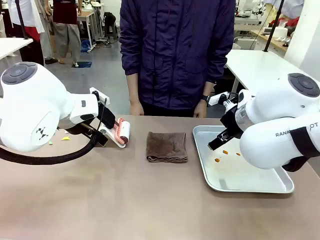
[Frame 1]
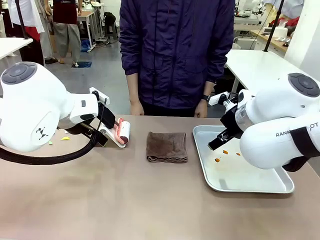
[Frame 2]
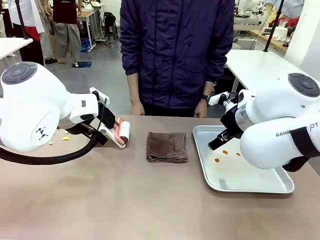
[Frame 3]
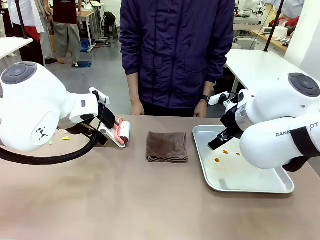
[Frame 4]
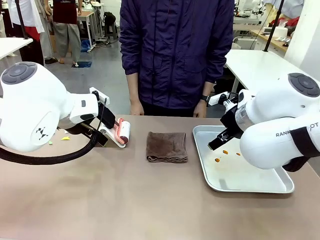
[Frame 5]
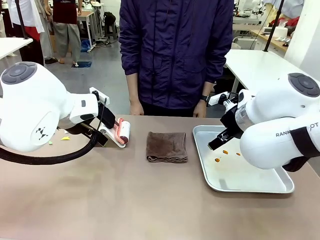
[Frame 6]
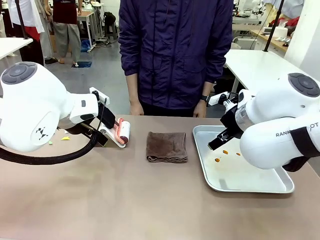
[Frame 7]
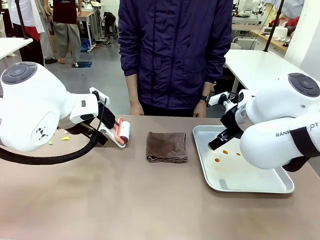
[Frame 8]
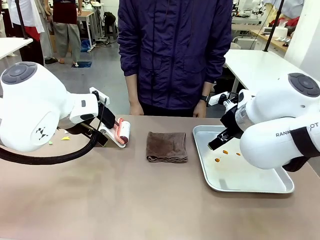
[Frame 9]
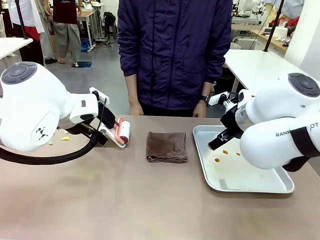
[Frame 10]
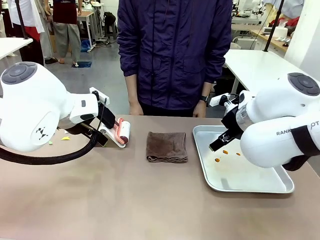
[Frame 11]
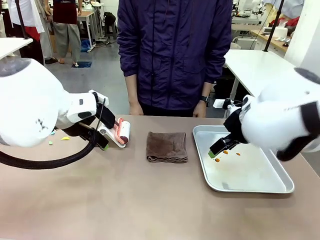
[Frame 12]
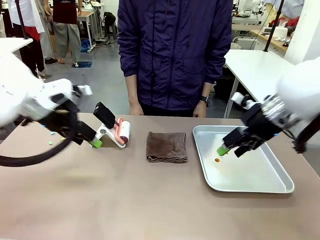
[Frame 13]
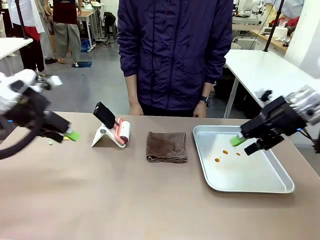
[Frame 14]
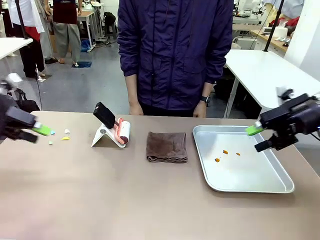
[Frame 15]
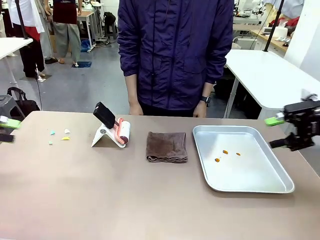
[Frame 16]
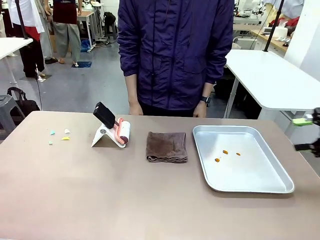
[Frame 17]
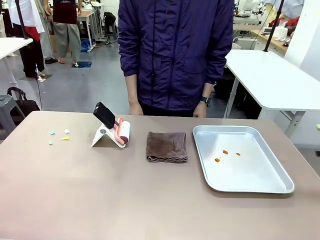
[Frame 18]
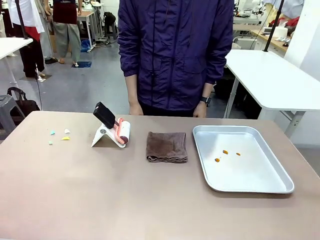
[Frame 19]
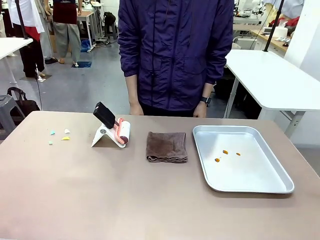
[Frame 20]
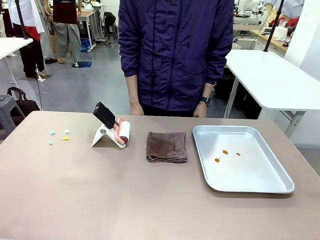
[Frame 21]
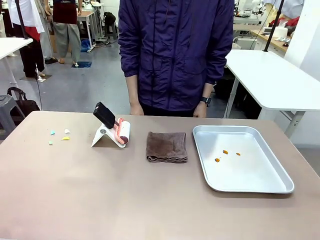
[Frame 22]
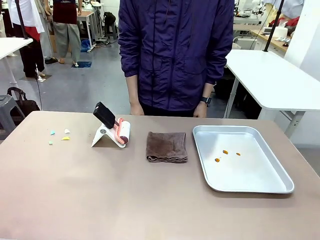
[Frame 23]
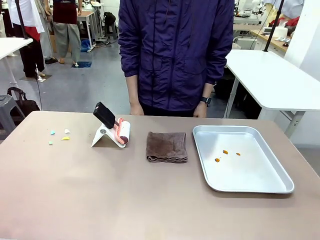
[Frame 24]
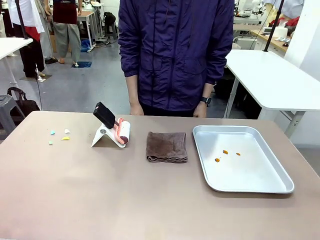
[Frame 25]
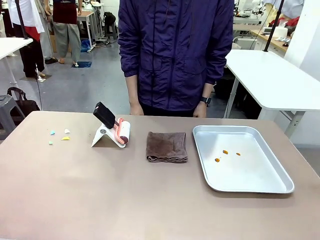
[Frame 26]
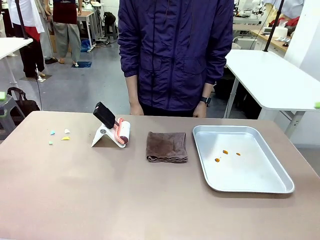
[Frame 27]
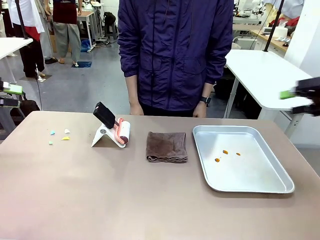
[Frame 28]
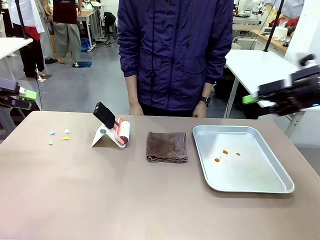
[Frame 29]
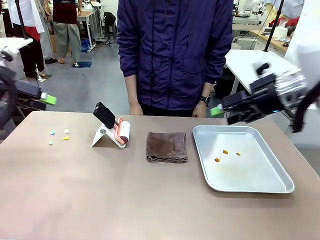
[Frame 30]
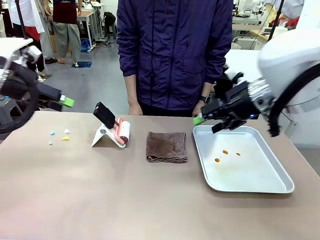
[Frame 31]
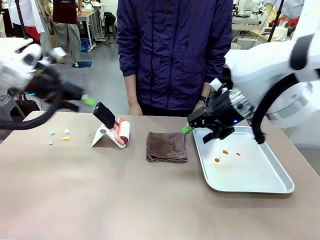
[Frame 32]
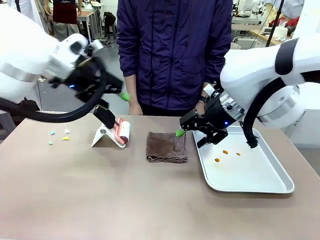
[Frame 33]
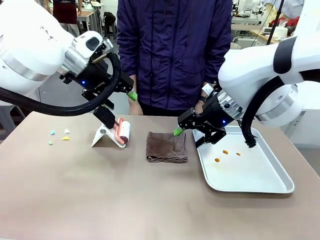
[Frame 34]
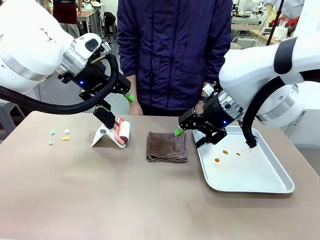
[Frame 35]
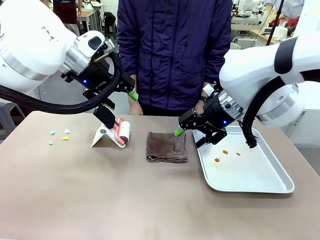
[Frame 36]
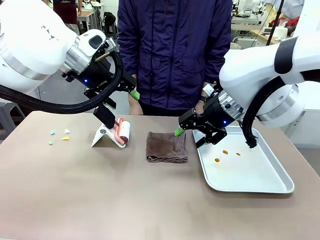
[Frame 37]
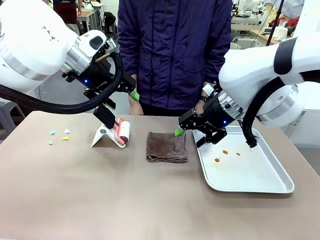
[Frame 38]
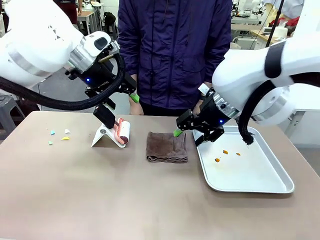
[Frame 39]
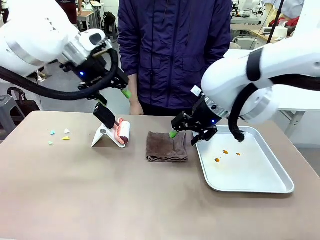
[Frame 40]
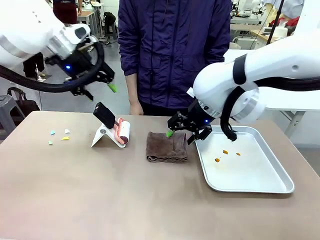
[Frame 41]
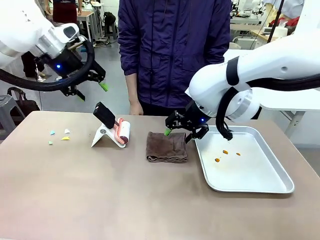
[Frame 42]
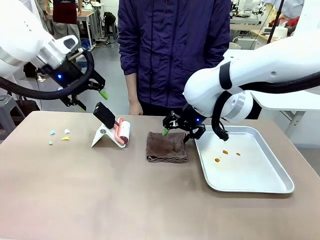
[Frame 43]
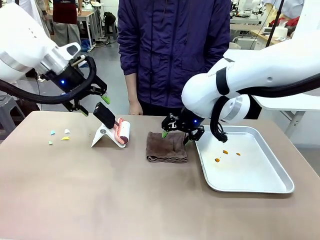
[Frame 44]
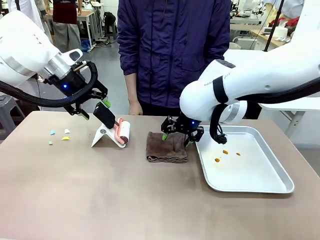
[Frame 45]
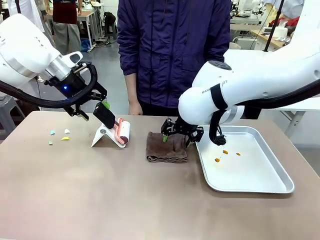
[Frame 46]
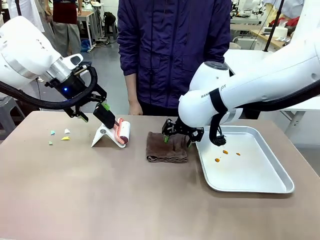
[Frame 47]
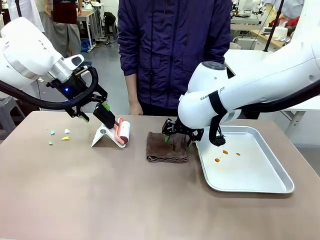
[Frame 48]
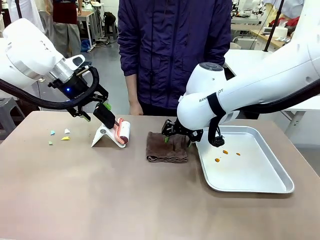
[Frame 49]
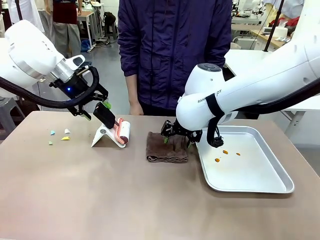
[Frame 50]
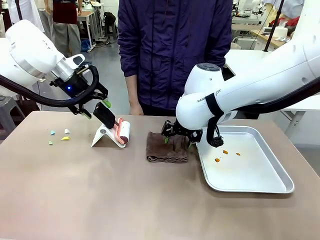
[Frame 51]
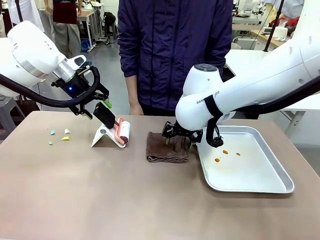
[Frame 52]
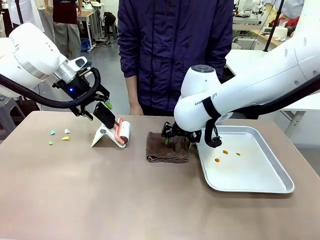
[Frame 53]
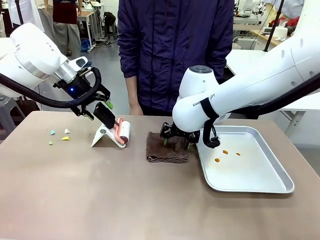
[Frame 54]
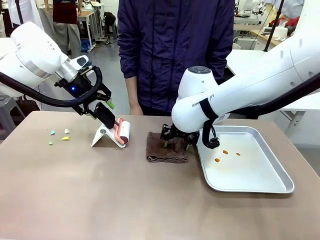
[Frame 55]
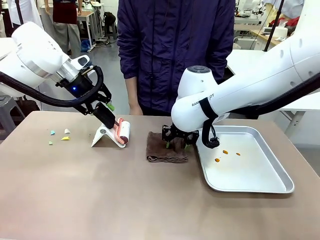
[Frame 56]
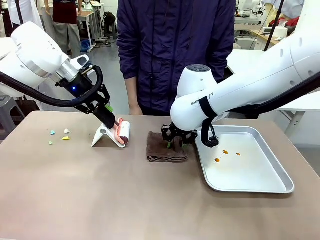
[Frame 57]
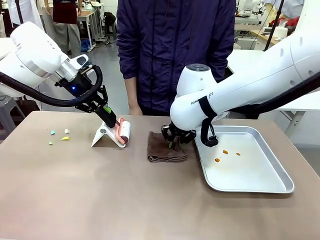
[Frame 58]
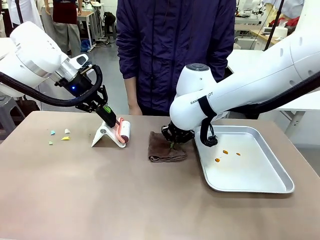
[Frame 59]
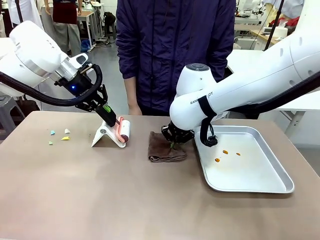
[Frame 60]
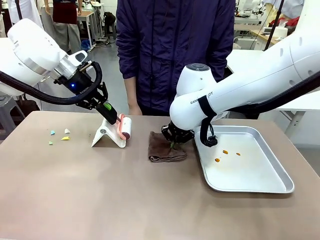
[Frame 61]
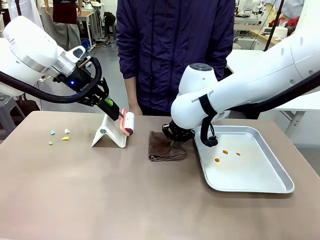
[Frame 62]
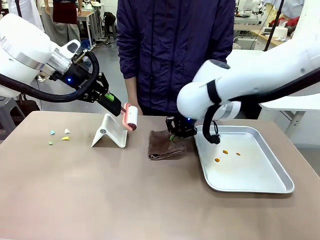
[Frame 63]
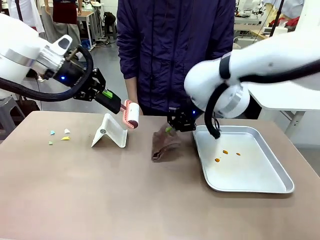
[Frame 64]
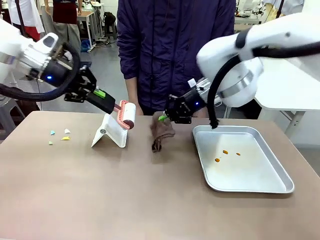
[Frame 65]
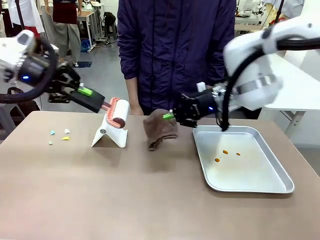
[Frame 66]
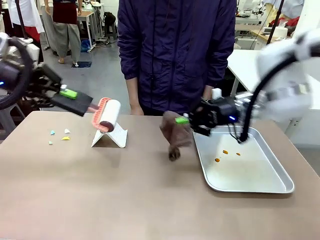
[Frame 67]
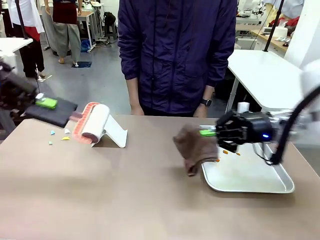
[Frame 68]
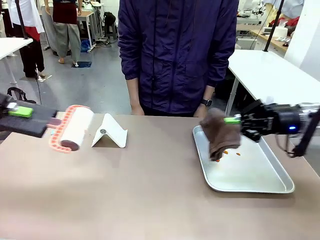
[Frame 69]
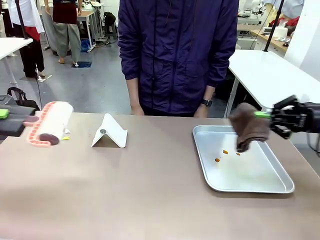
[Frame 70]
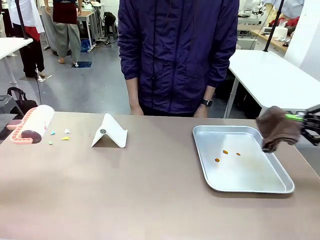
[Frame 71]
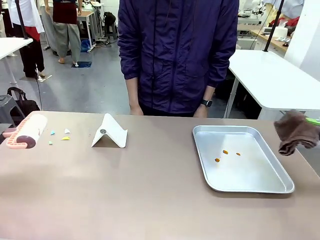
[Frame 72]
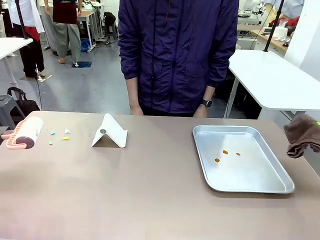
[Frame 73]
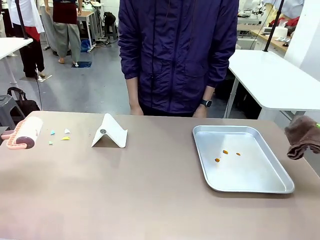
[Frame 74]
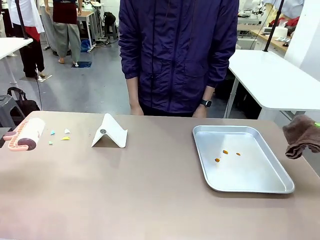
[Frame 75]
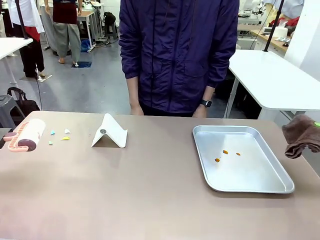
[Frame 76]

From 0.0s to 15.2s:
Task: Clean the surface of the table.
Robot: Hold the Lint Roller with your left hand and the towel with your right hand.

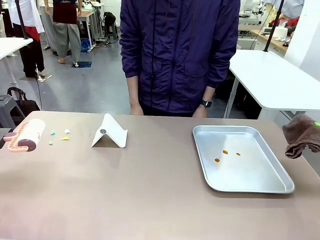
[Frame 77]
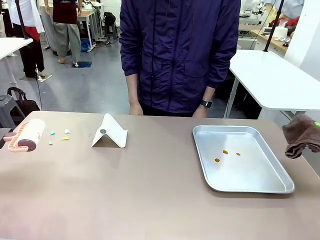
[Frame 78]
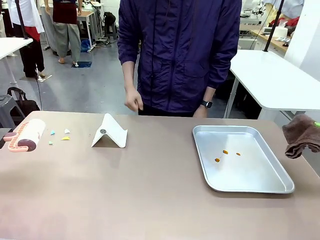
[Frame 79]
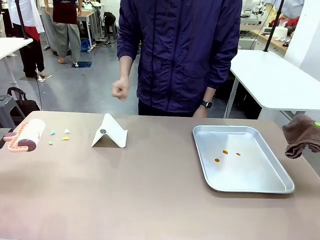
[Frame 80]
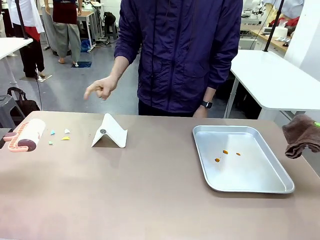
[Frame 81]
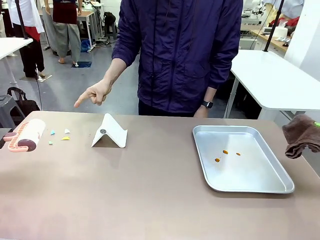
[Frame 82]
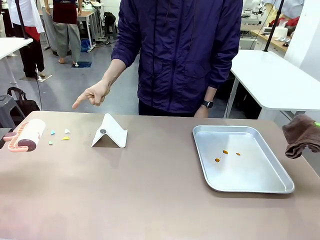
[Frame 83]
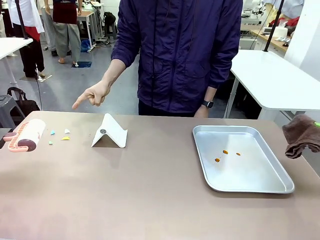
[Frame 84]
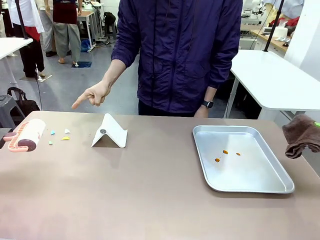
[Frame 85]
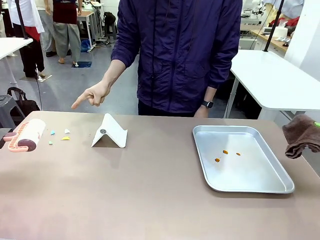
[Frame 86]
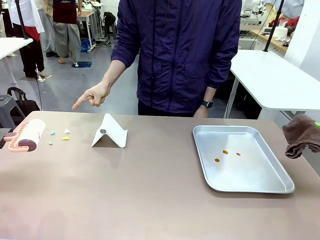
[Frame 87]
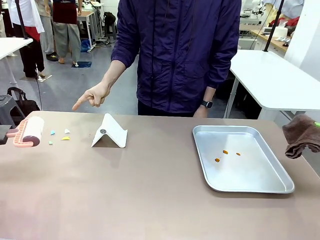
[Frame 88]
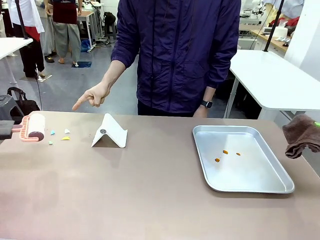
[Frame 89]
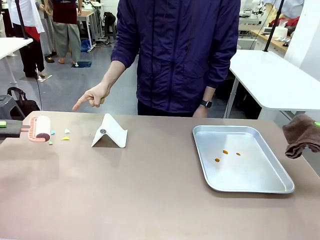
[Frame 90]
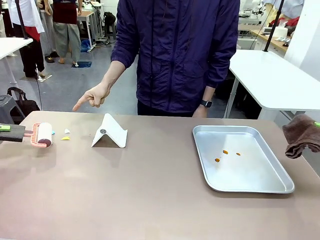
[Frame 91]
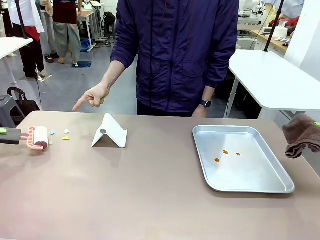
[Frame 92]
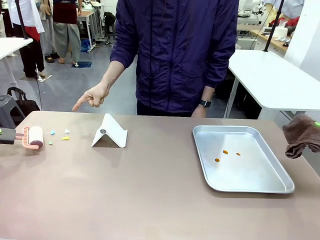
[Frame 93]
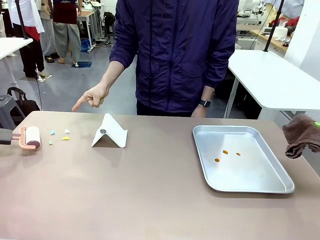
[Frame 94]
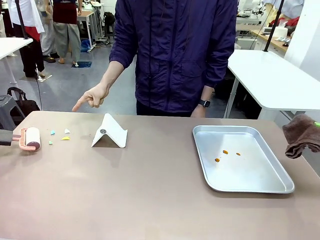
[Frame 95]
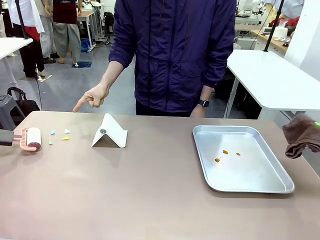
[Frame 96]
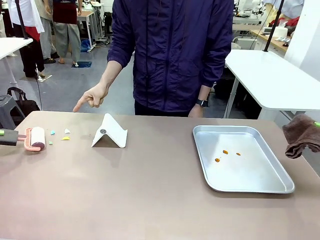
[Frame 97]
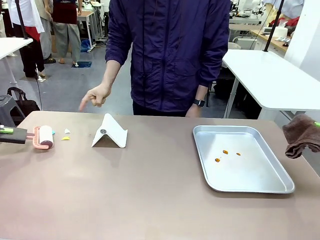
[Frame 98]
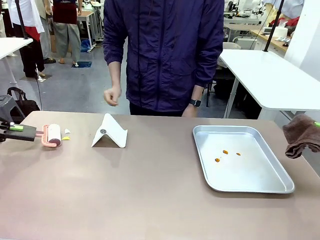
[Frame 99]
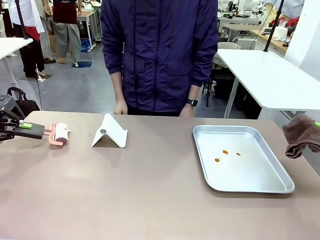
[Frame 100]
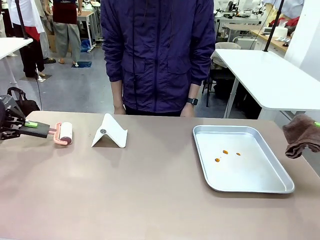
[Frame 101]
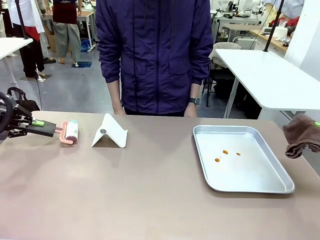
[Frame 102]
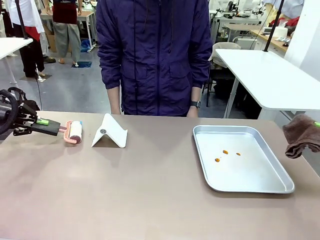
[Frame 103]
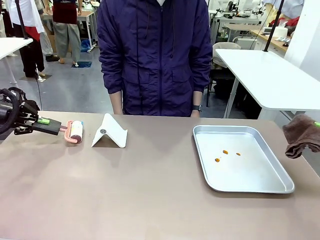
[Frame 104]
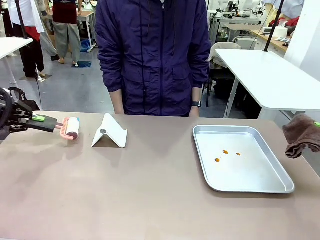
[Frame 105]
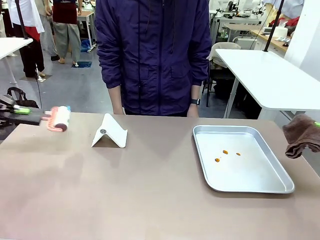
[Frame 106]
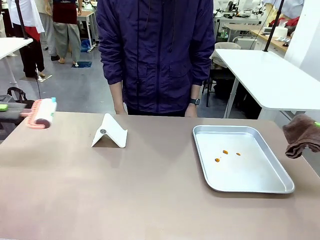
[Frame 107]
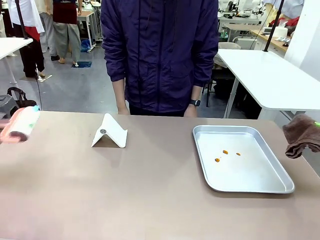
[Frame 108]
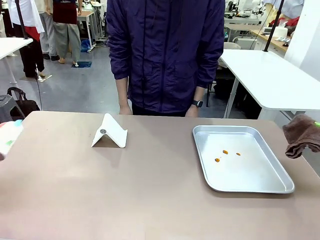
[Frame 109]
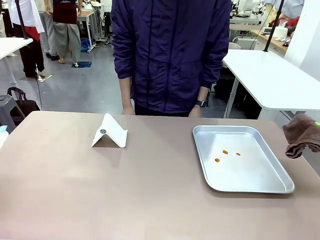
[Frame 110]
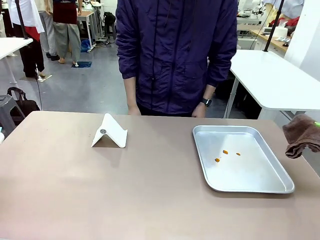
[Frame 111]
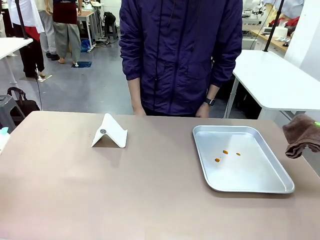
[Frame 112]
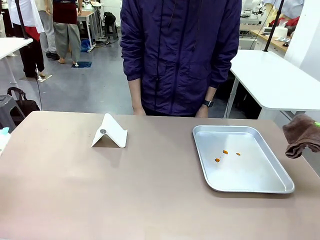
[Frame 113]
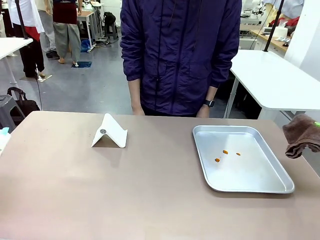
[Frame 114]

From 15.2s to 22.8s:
Robot: If a person points to the right, clean the right side of the table with your right hand, and if they point to the left, clean the left side with your left hand.
